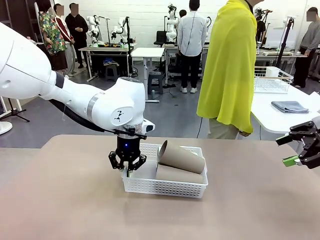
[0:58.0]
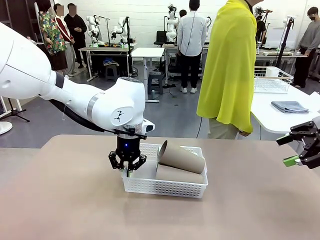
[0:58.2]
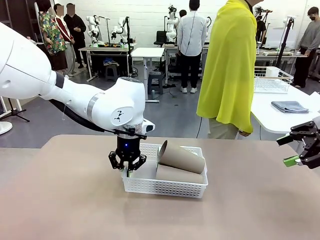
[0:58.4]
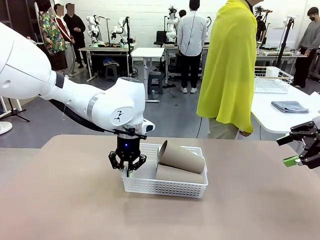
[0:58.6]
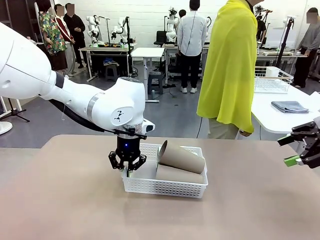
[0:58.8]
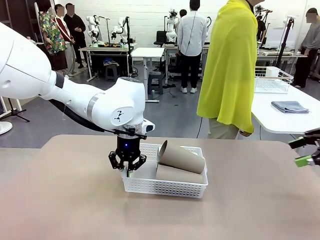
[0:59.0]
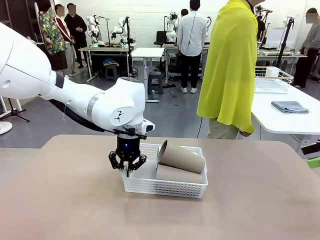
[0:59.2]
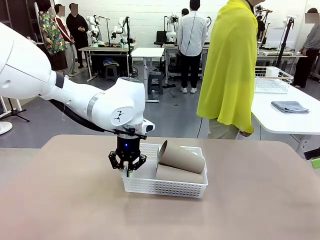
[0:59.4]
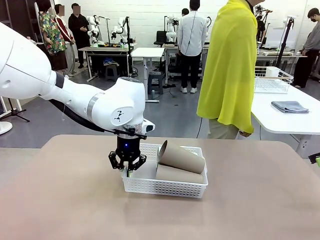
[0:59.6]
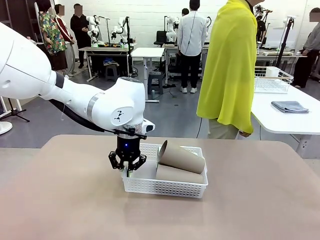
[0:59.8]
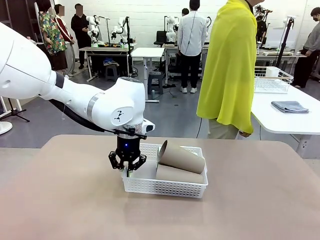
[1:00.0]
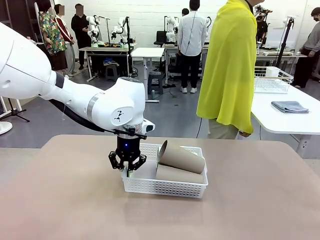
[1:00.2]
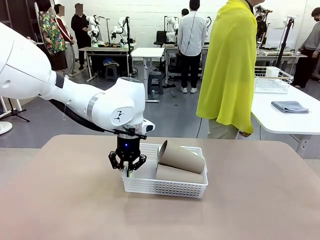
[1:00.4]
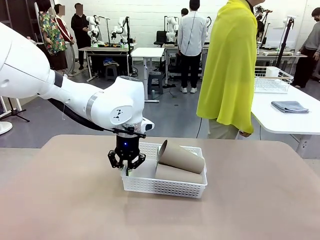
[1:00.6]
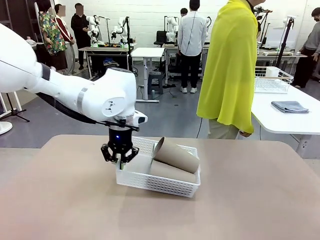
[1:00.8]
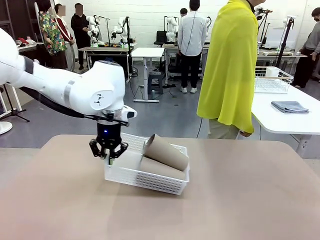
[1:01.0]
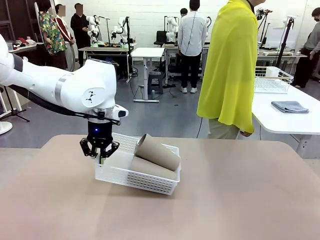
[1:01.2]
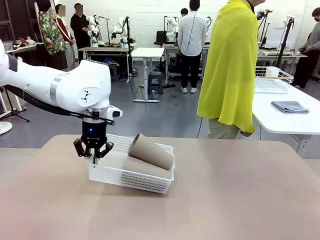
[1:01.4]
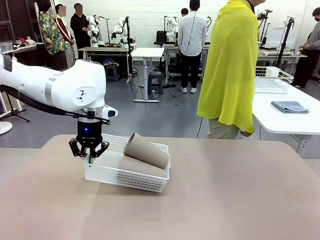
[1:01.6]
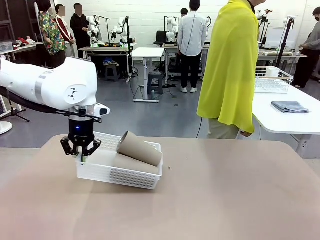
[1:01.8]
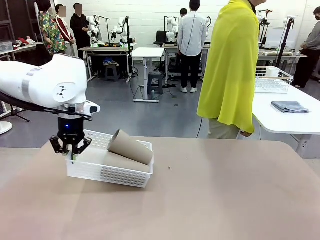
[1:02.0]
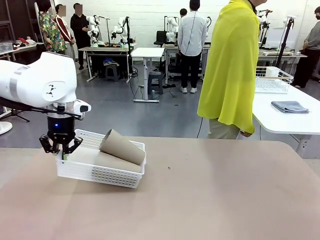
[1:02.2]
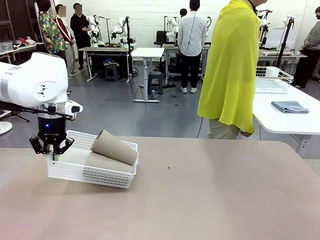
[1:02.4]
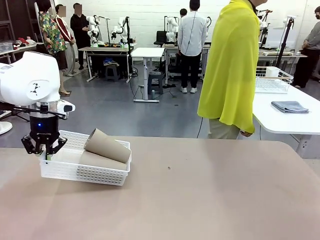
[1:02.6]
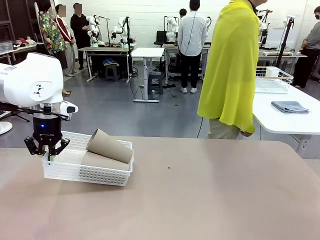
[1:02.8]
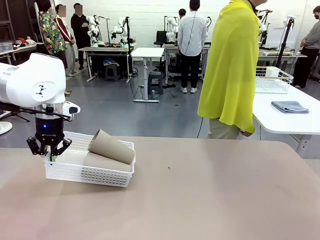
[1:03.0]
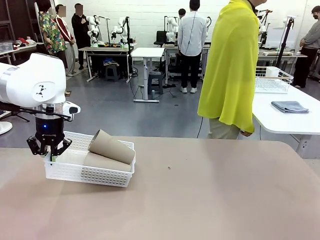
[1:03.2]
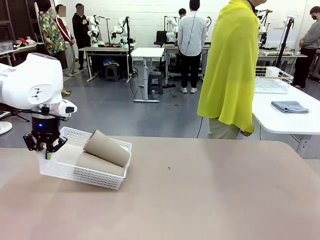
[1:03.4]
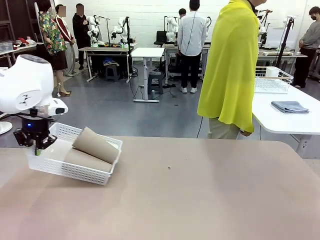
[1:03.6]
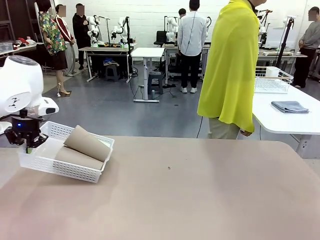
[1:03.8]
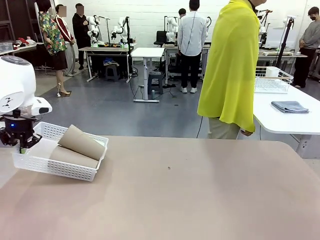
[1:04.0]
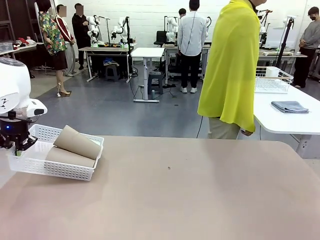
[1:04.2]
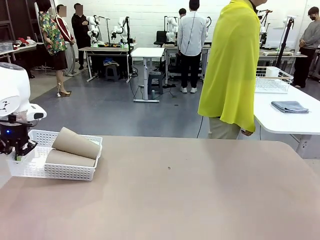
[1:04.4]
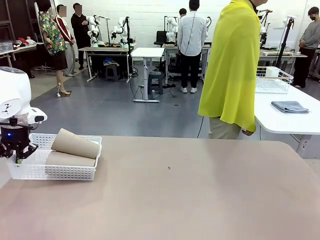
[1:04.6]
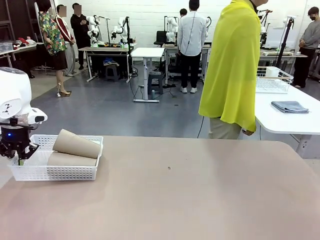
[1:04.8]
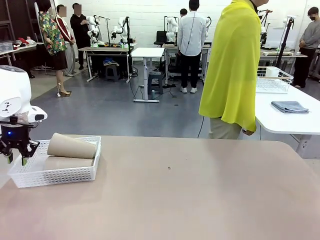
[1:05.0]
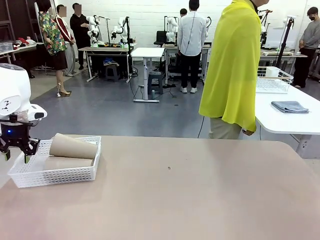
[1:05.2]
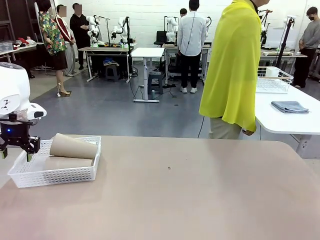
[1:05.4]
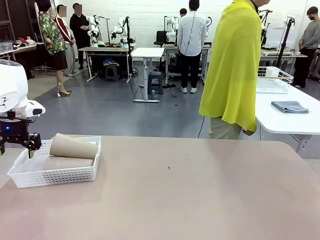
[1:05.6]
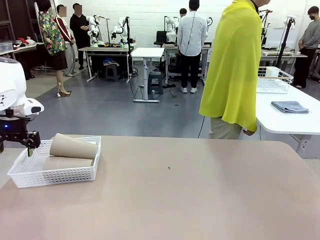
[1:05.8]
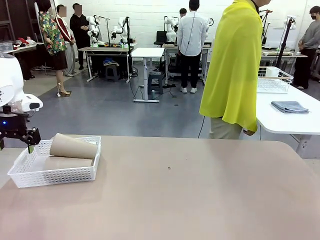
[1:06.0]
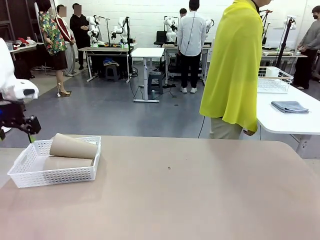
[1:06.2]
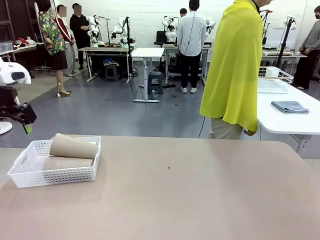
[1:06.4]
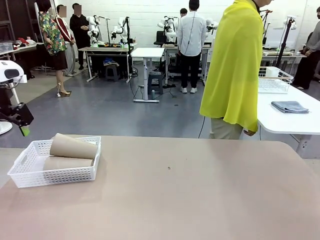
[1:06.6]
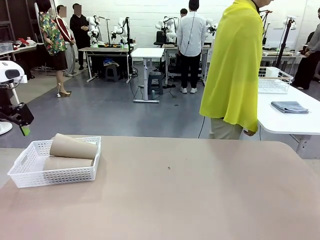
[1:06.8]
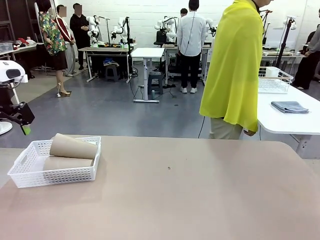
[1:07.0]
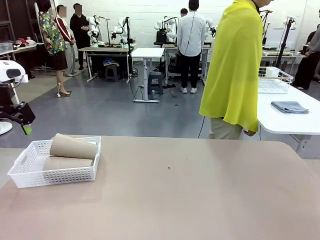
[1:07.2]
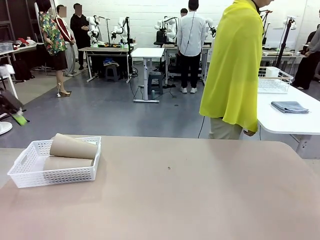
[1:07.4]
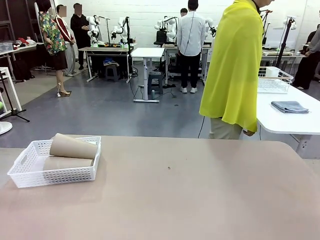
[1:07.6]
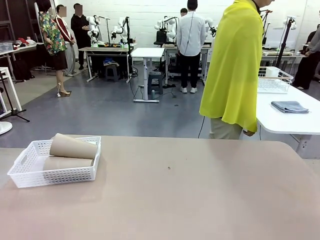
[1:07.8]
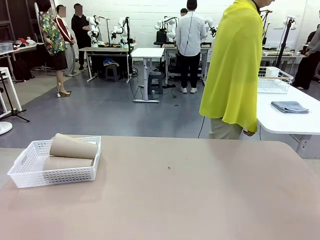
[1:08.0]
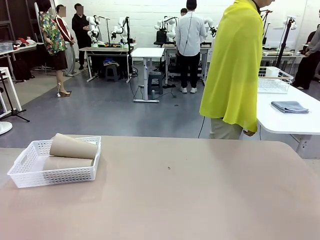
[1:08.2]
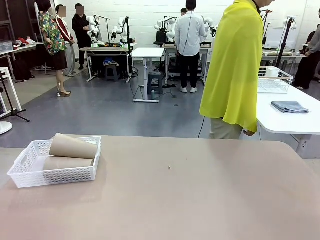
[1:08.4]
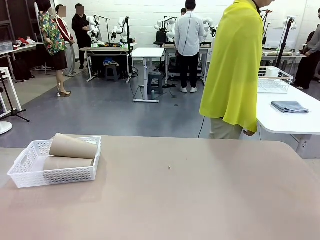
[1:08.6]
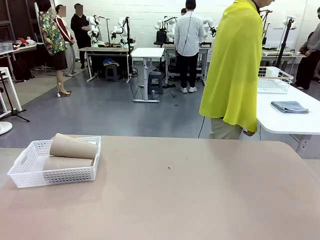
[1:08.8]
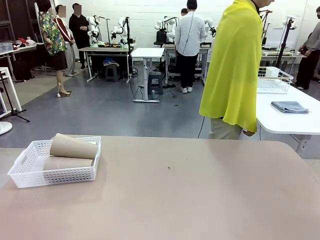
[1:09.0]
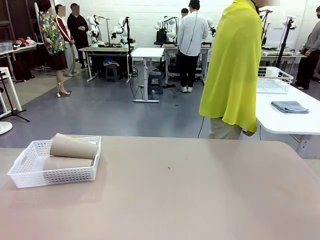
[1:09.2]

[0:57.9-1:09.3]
Task: Clean and organize the cups into the basket.
Robot: Move the Organizing basket back to the left side of the table.

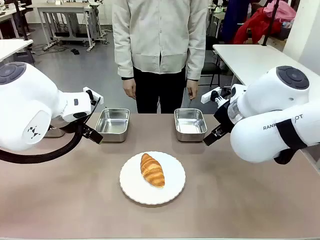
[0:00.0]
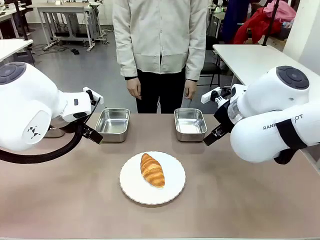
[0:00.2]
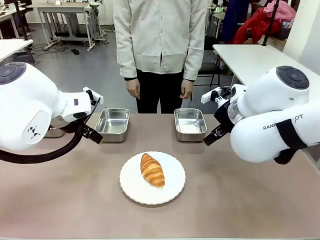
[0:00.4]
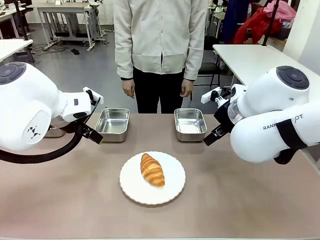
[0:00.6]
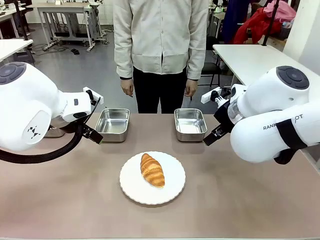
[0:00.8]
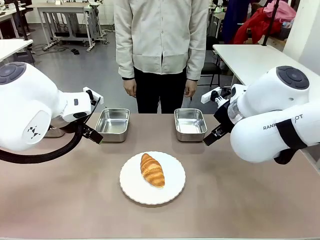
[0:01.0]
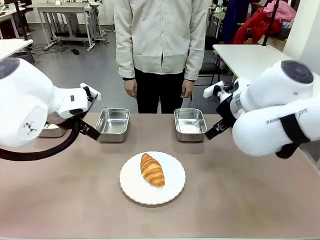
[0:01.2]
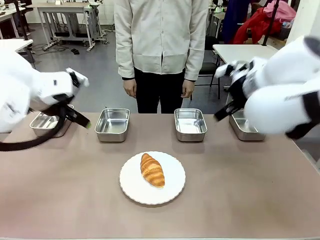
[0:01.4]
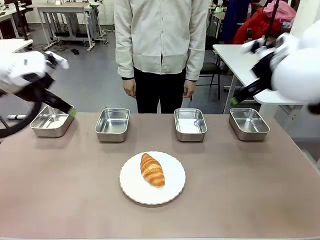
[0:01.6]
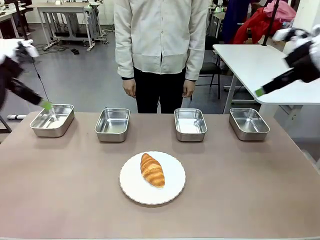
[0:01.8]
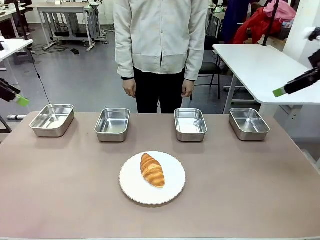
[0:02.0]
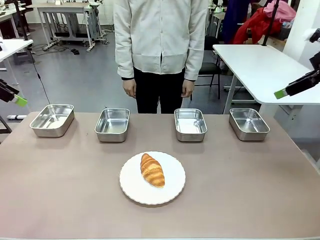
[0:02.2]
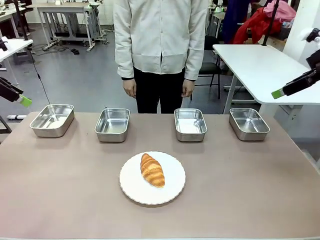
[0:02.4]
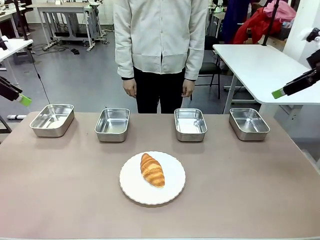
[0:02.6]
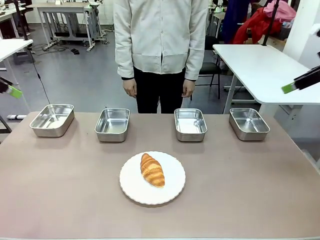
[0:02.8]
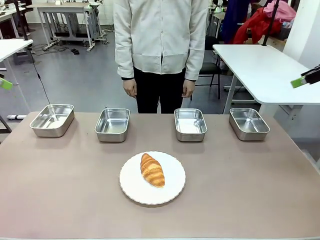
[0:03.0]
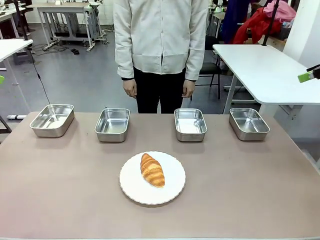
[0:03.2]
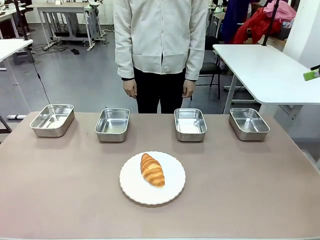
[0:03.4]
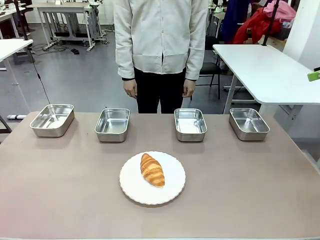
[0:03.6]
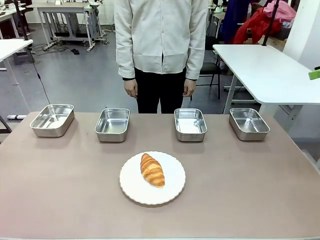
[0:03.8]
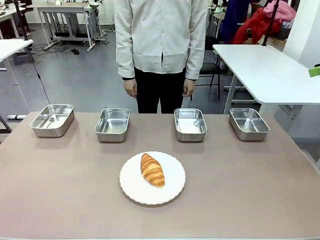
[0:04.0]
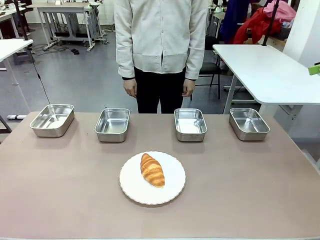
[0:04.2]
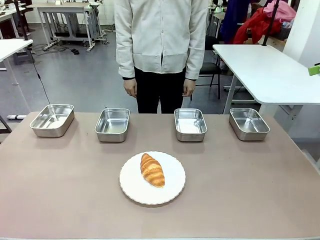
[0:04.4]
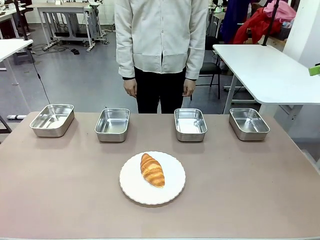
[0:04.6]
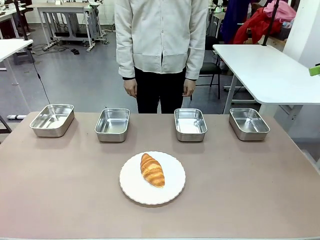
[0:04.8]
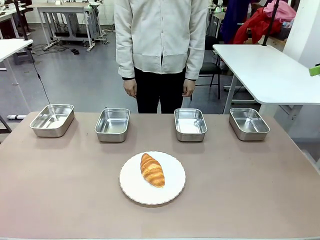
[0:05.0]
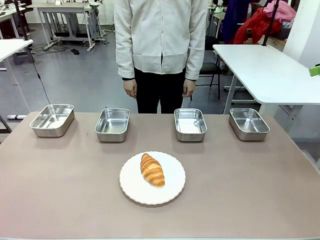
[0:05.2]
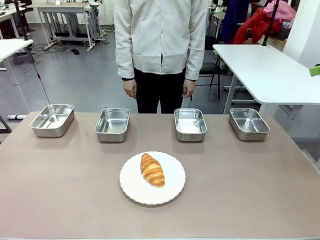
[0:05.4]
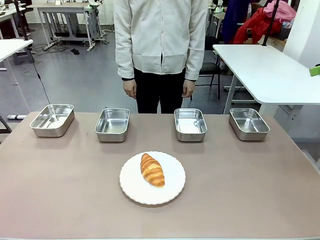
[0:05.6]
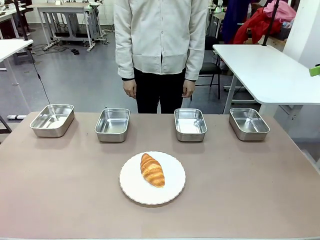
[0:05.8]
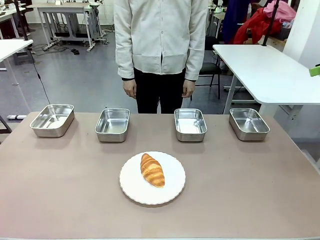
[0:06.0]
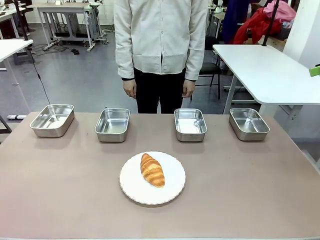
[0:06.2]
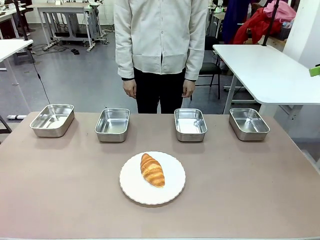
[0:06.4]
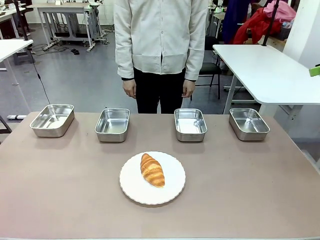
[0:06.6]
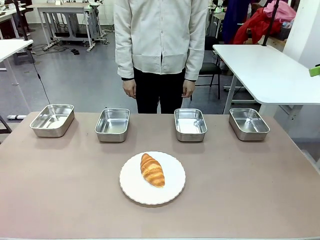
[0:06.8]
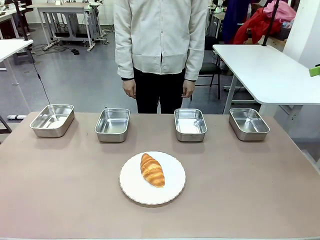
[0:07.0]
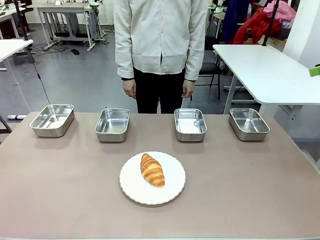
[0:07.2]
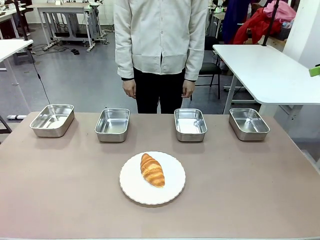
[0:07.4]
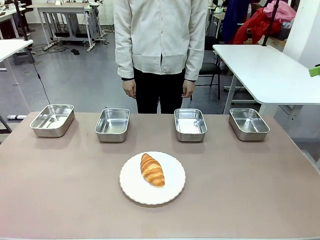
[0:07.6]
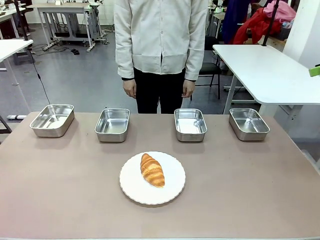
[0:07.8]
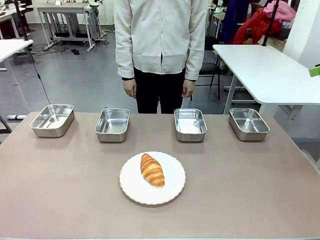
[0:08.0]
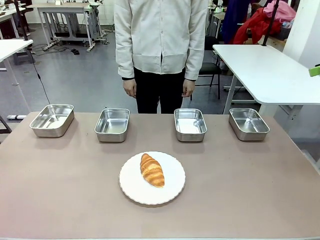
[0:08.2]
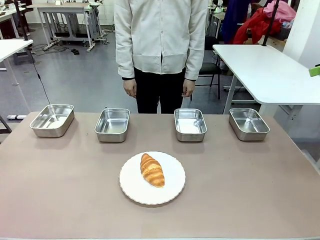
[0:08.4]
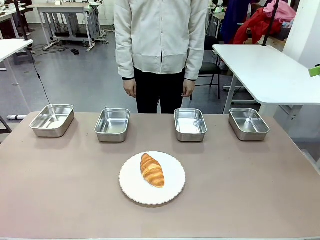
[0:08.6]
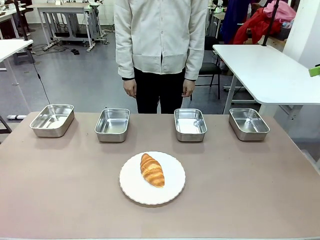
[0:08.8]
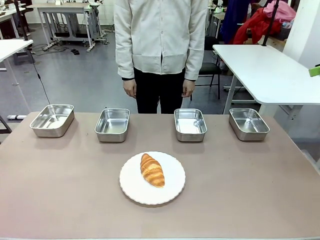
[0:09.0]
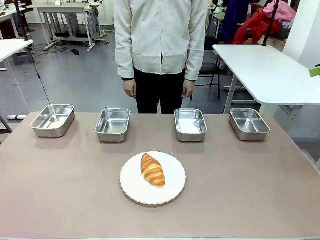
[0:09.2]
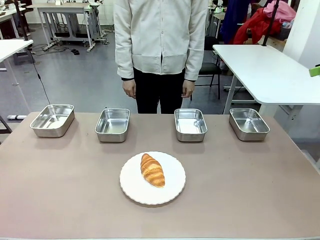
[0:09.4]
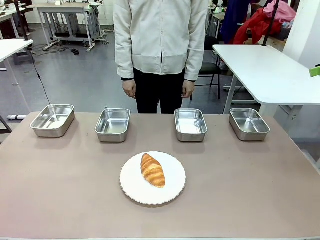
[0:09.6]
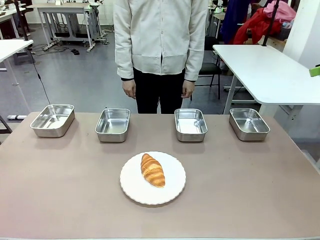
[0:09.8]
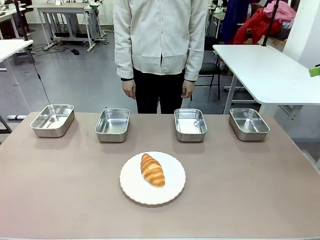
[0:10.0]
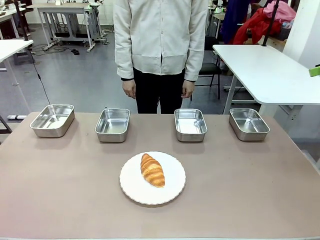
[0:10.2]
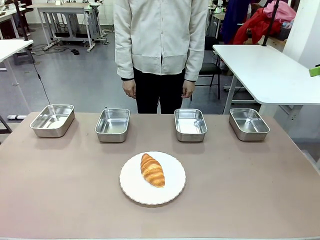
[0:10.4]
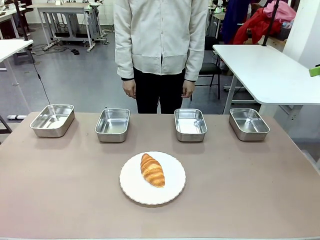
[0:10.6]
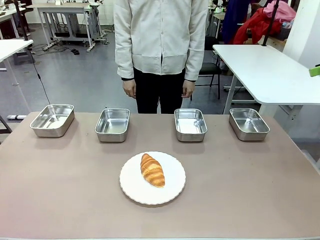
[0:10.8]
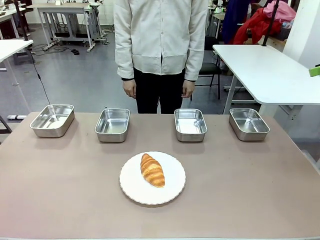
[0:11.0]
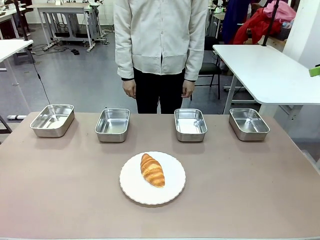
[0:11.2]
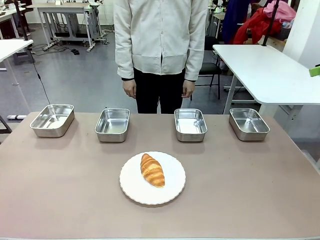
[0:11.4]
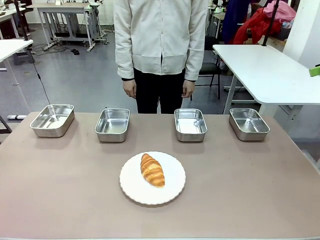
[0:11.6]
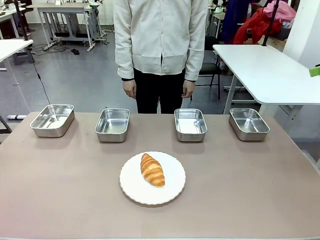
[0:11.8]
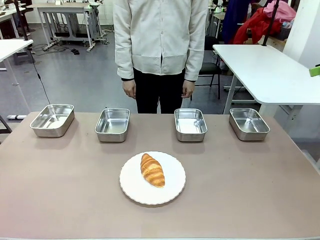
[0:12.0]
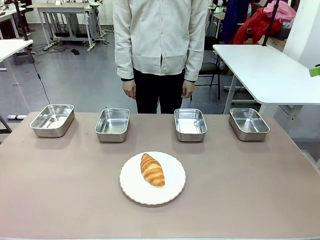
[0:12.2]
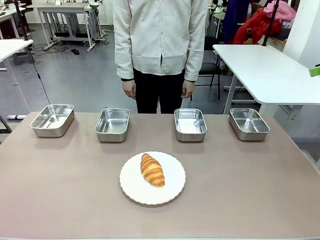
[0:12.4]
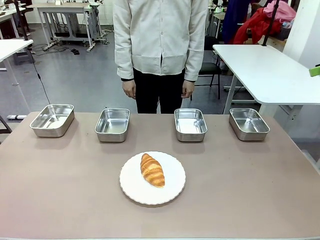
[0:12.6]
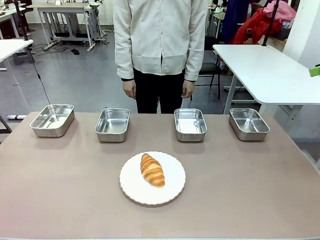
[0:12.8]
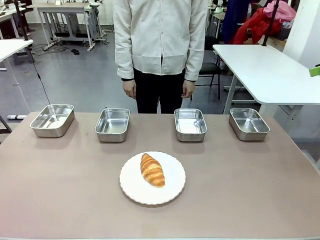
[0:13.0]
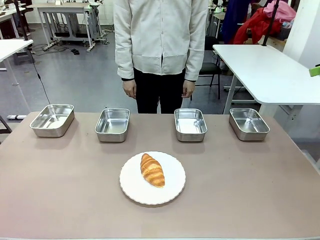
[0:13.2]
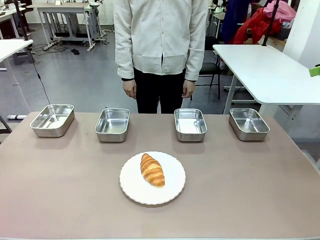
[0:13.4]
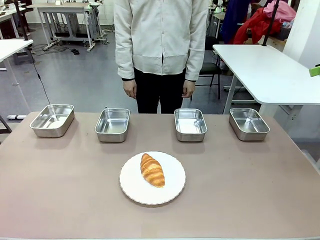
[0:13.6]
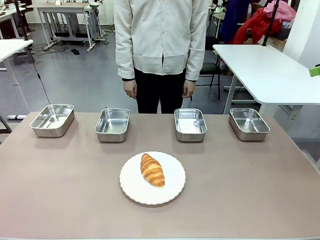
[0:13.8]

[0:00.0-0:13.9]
Task: Place the bread in the container.
Robot: Place the Butter Roll into the Airtight Container indicated by the human.
